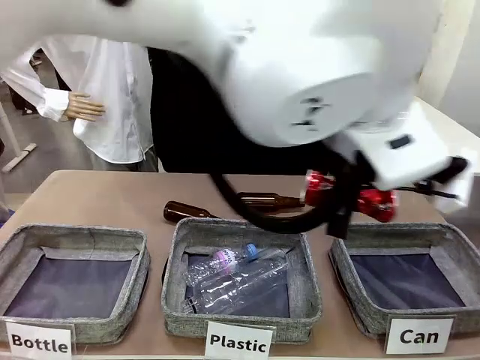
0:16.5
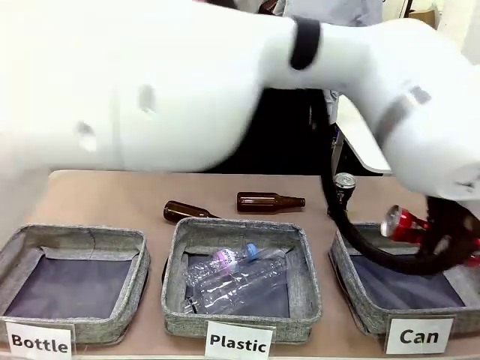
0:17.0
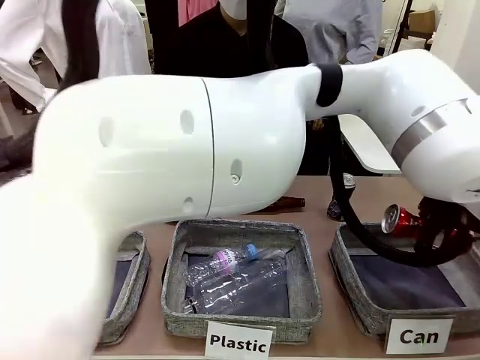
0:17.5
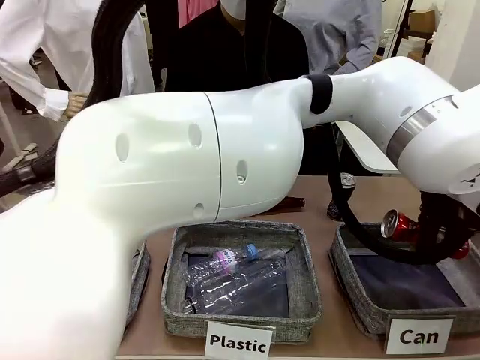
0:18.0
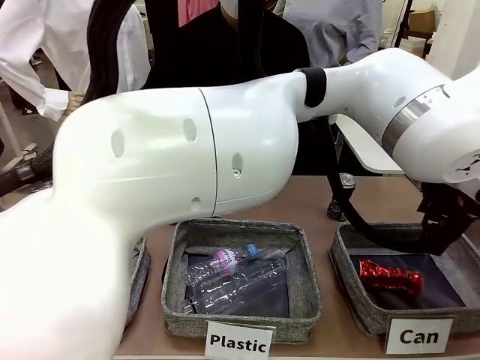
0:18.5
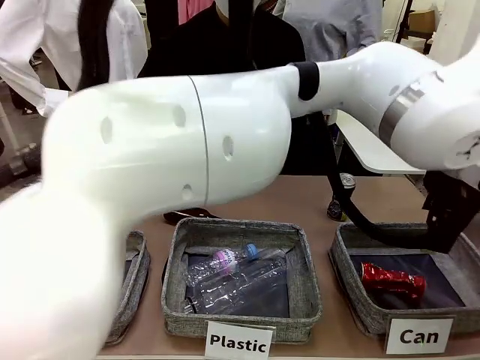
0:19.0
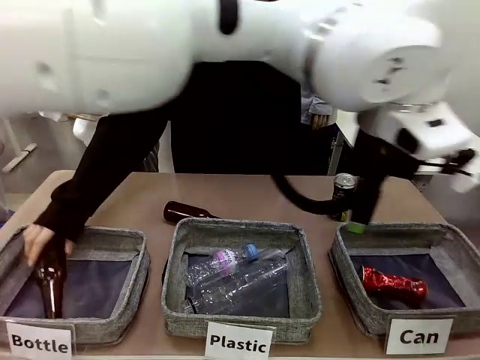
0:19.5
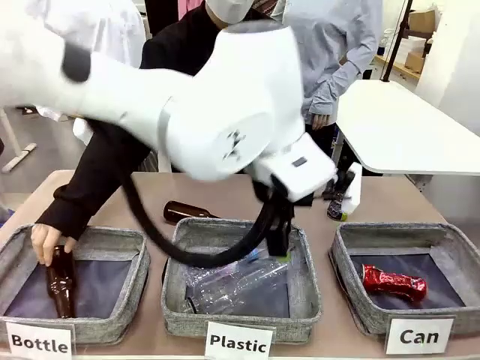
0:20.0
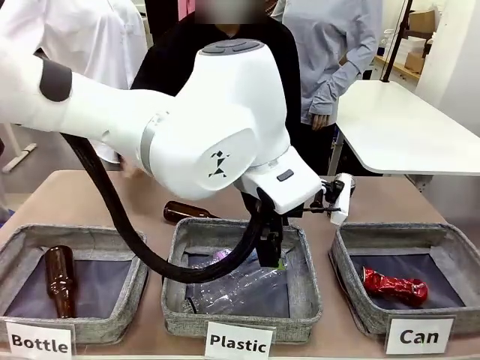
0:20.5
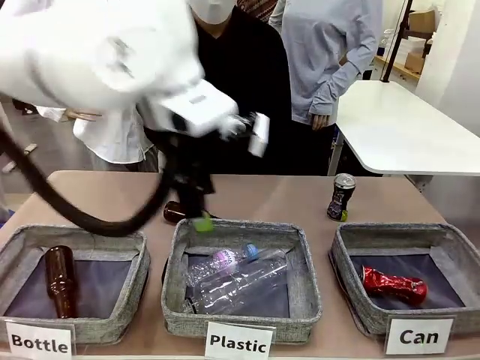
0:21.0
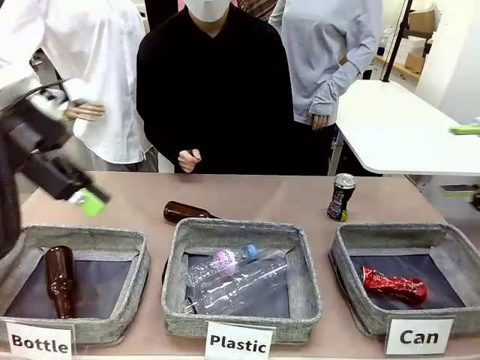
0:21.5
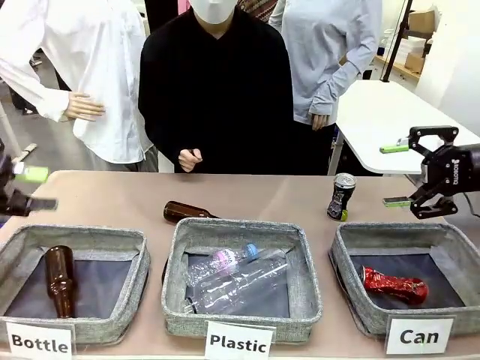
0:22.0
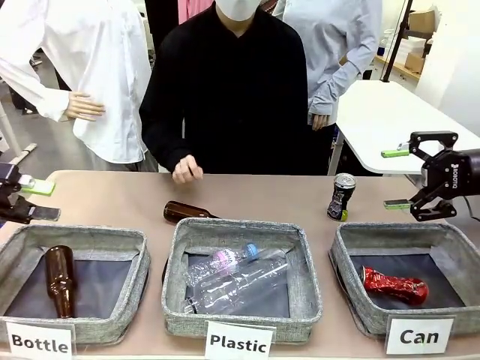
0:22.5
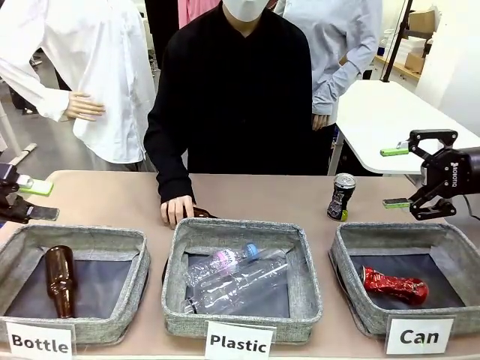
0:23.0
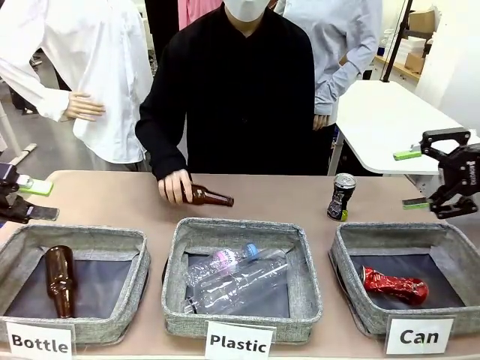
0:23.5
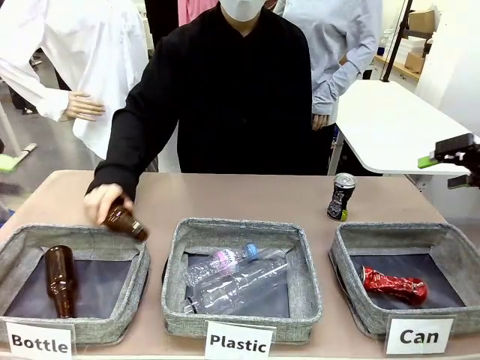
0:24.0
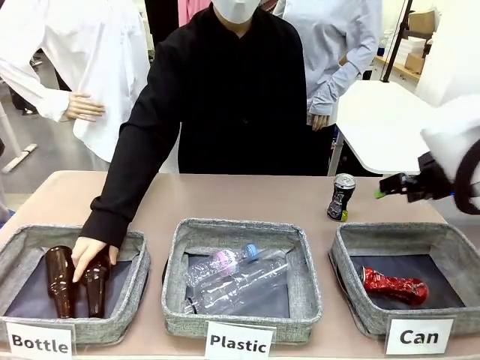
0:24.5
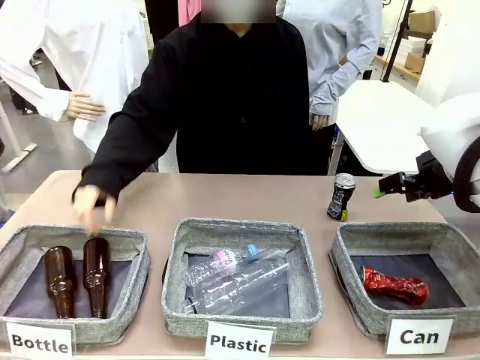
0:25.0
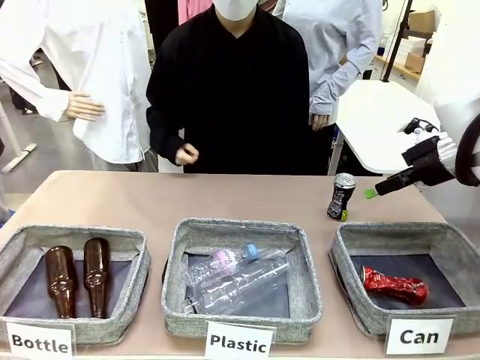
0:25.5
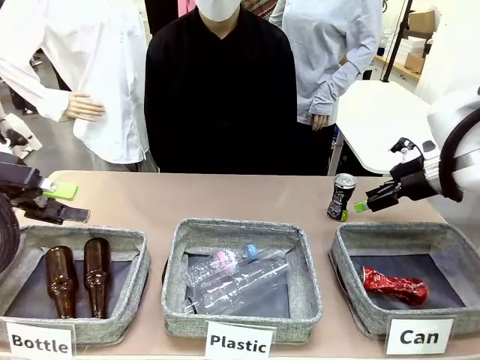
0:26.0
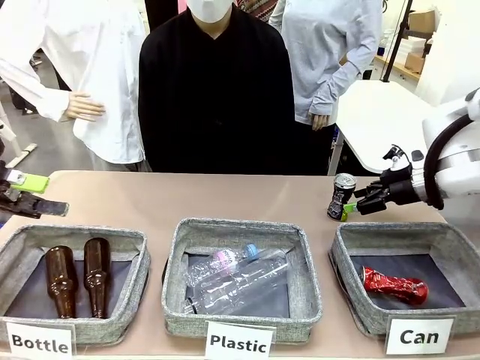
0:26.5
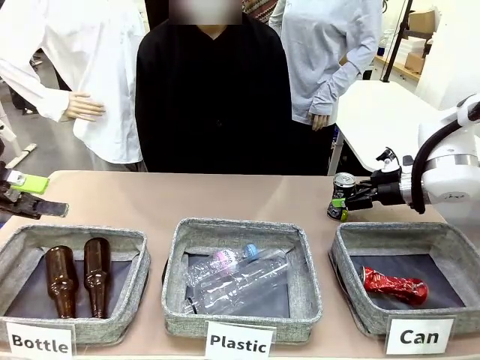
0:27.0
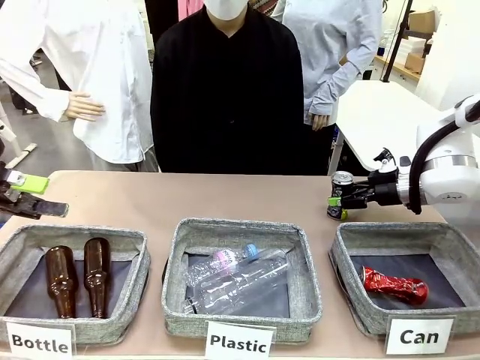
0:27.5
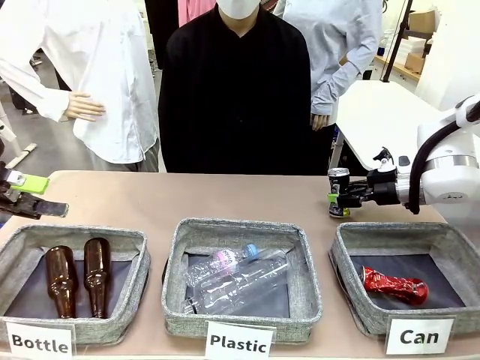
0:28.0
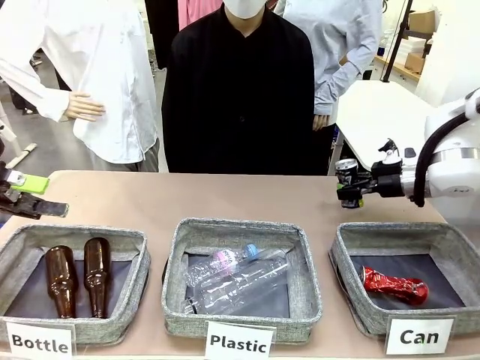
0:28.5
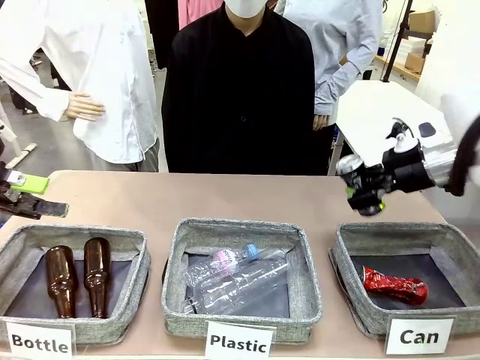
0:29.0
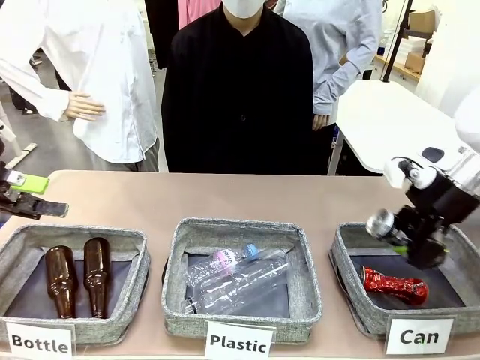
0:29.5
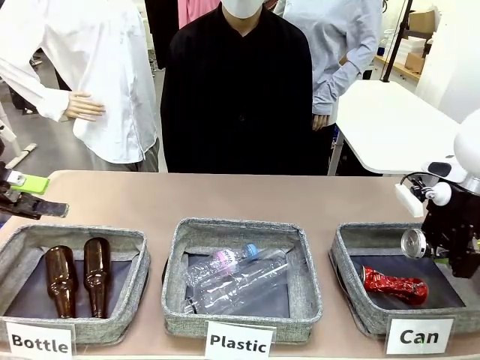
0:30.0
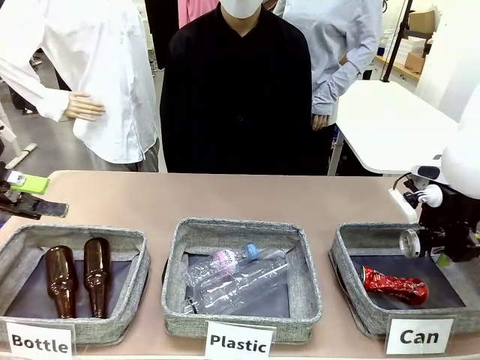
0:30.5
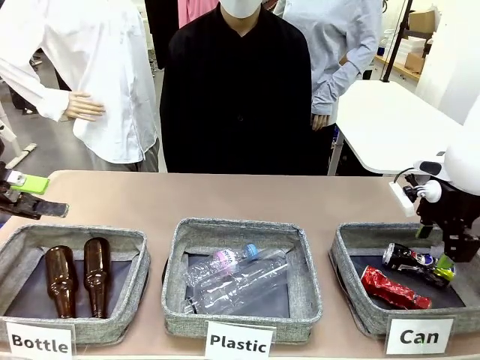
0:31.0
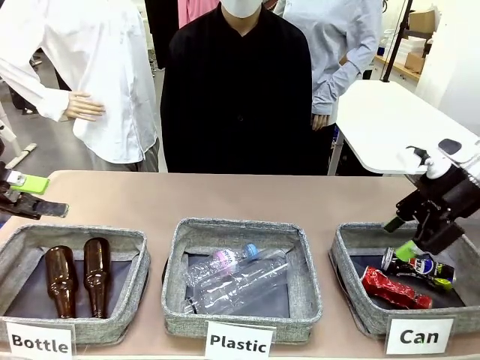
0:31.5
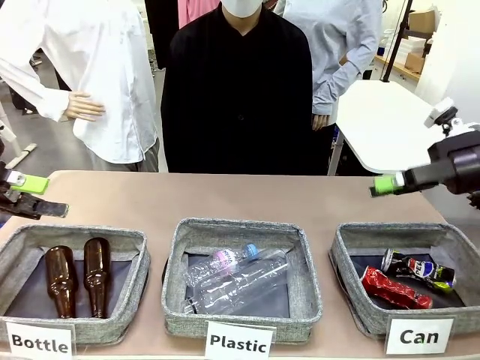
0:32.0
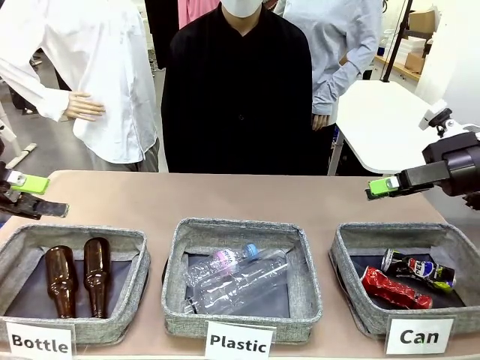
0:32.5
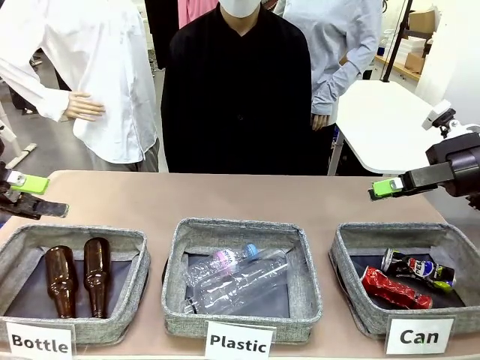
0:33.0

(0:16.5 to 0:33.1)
Task: Sort the can waste into the basket.
Robot: Pick up the can waste from the table and place it in the right Fabric basket.
Person: The human picks up one piece of trash that is not a can and places the trash into the appropriate organizing basket.
